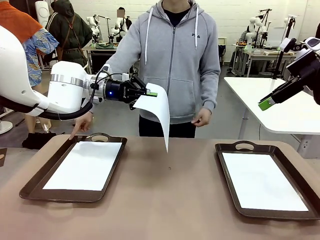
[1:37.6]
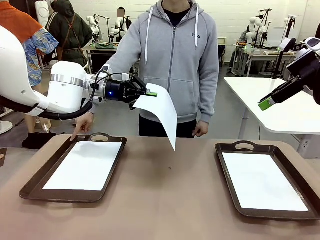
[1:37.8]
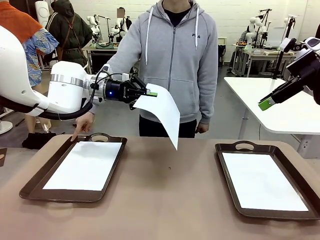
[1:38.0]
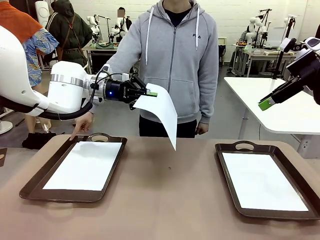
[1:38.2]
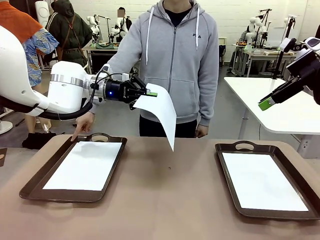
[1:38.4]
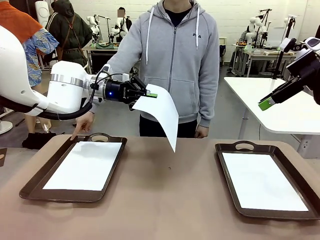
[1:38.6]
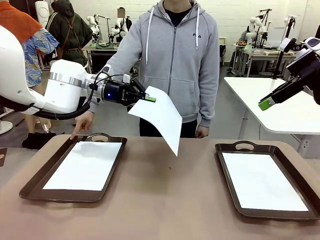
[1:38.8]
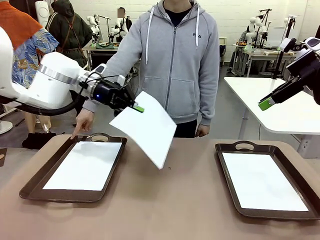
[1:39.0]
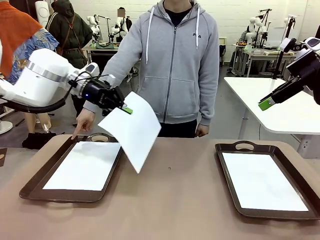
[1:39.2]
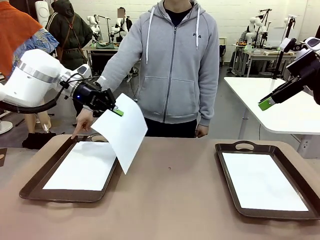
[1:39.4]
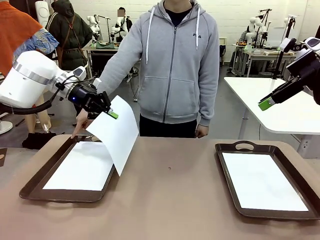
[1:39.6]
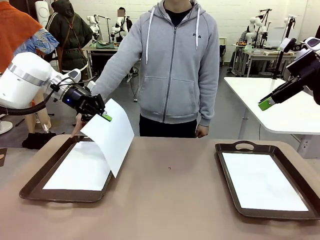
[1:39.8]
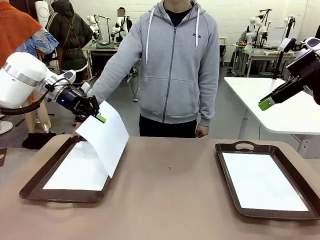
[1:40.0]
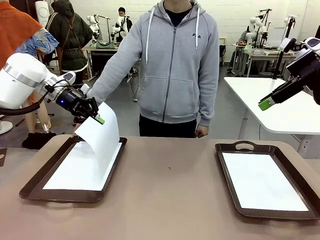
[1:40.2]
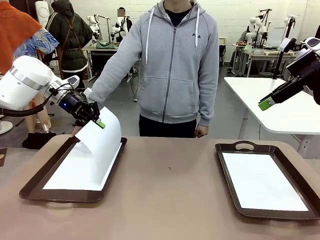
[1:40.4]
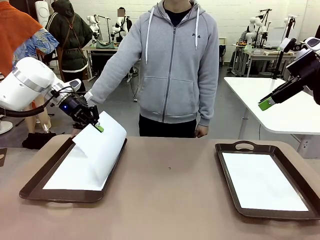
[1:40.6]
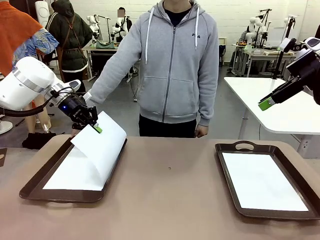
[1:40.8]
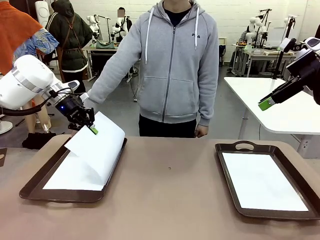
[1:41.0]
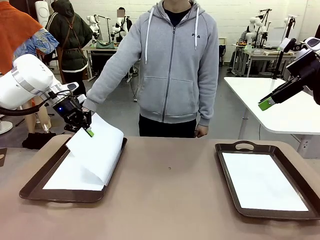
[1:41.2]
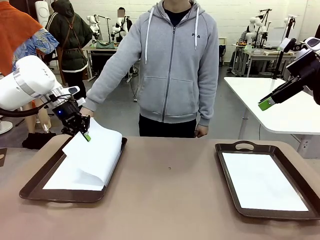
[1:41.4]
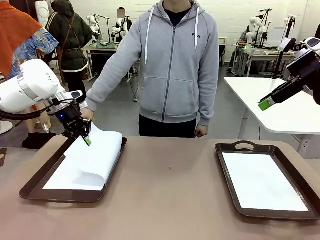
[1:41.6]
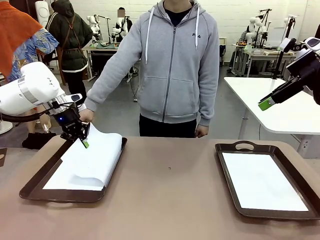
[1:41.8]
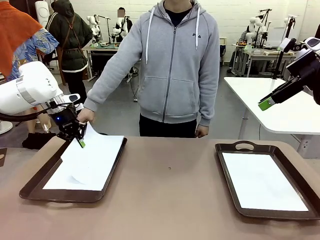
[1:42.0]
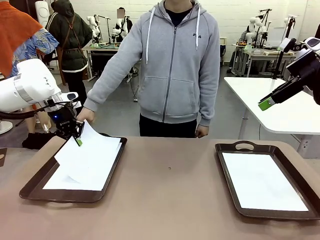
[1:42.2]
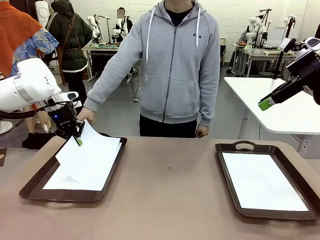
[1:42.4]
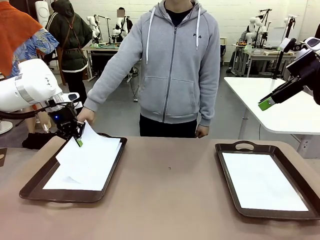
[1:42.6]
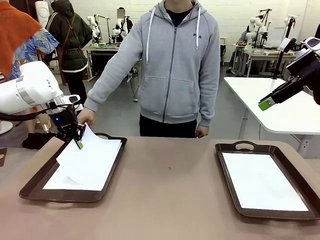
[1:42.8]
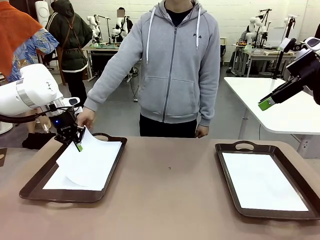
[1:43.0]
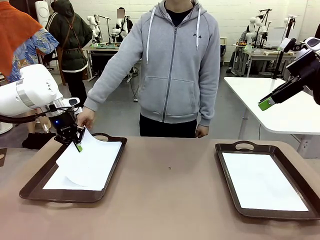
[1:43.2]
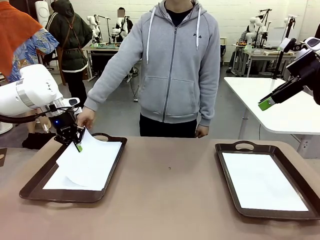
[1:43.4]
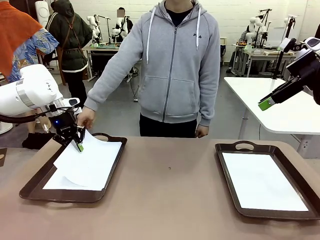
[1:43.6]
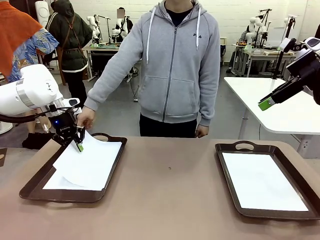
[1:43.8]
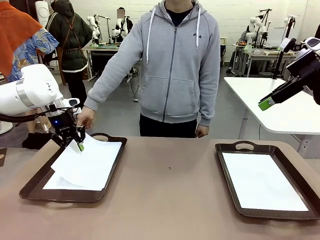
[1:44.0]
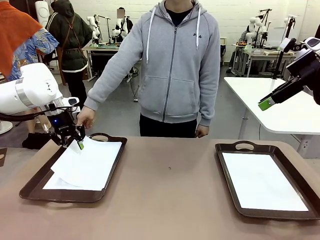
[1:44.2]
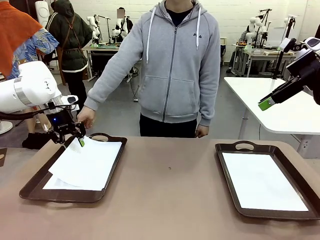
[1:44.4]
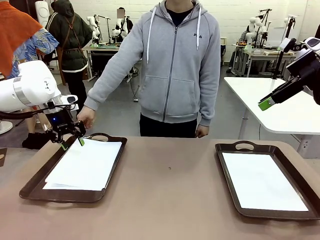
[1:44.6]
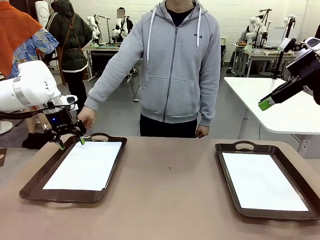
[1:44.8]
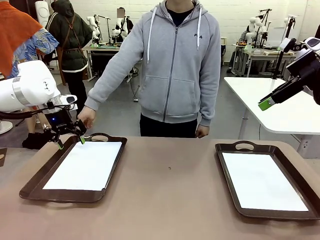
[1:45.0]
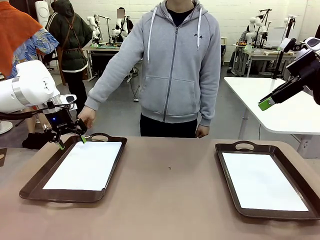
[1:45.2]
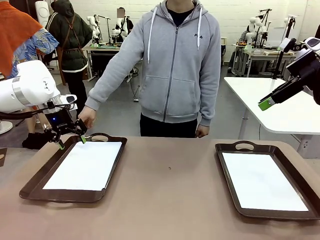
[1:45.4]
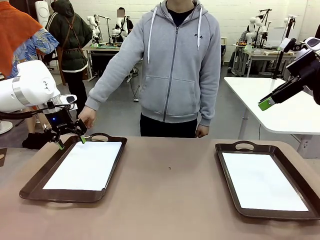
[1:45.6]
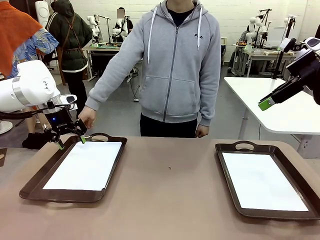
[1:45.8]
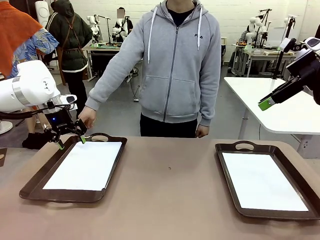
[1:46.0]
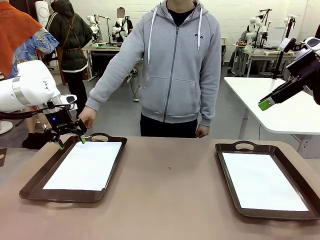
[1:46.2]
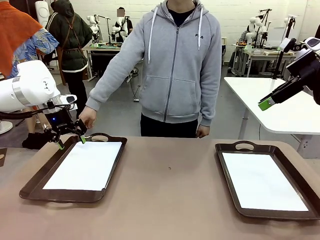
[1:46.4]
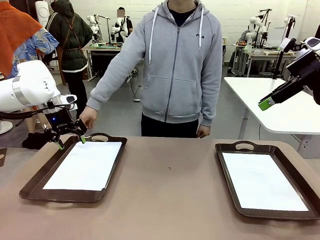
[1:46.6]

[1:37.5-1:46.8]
Task: Sort the A4 documents.
Robot: Place the A4 Paper in the designated Handle tray.

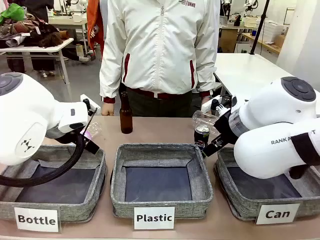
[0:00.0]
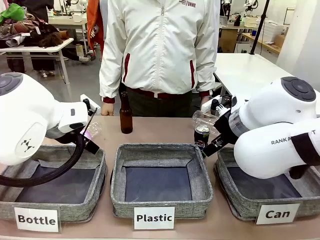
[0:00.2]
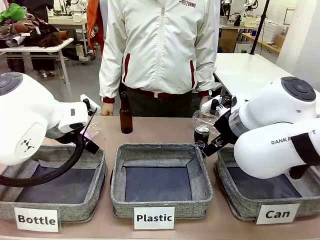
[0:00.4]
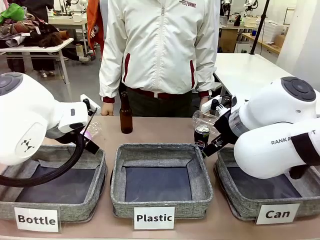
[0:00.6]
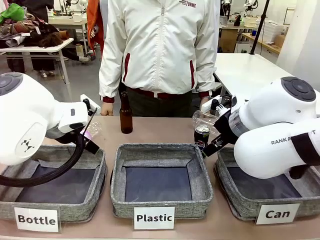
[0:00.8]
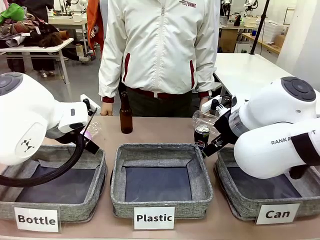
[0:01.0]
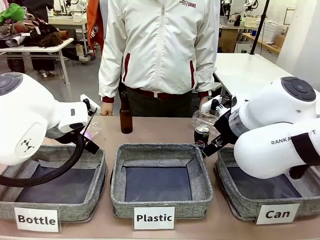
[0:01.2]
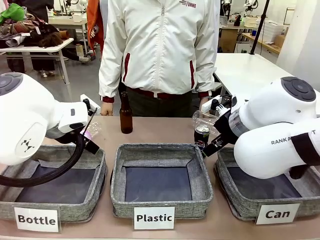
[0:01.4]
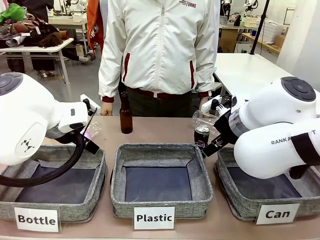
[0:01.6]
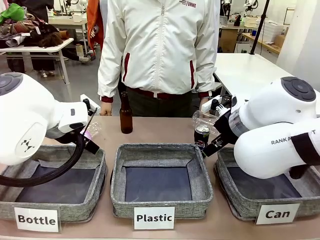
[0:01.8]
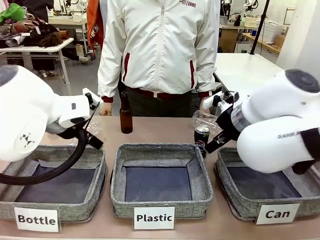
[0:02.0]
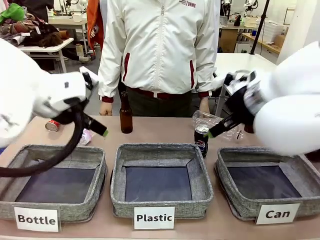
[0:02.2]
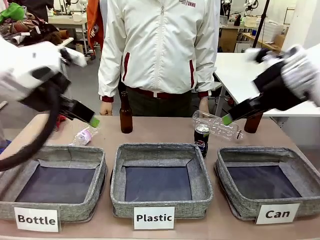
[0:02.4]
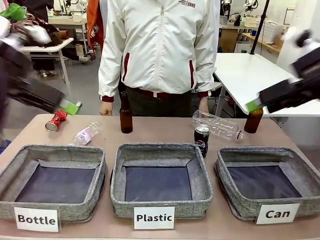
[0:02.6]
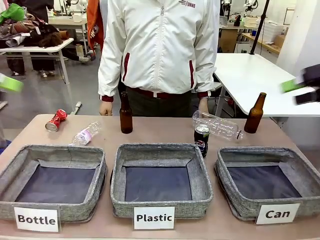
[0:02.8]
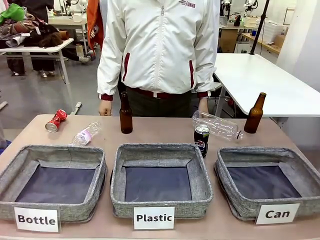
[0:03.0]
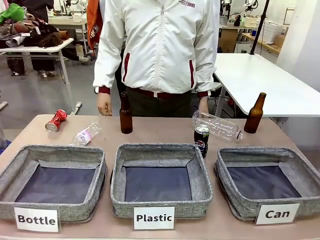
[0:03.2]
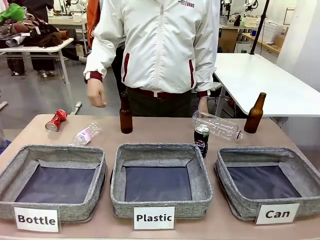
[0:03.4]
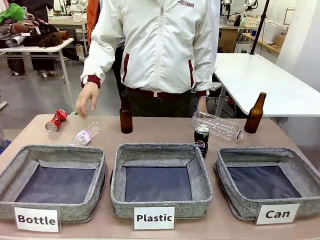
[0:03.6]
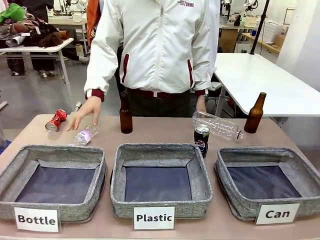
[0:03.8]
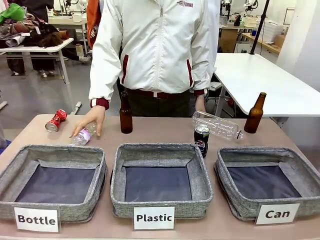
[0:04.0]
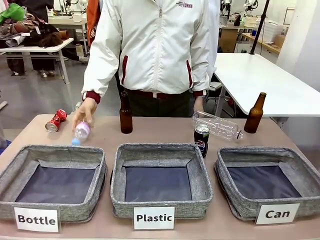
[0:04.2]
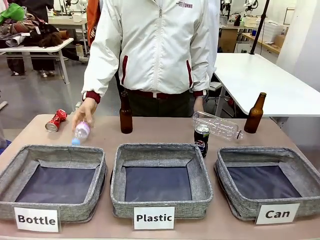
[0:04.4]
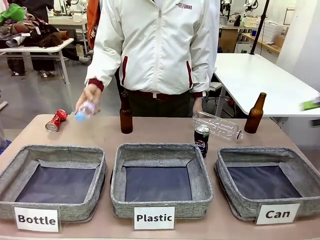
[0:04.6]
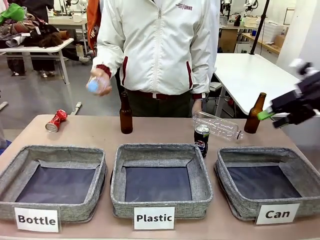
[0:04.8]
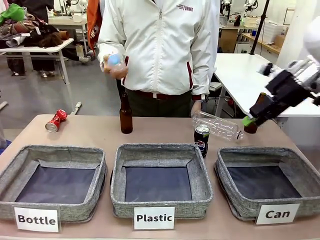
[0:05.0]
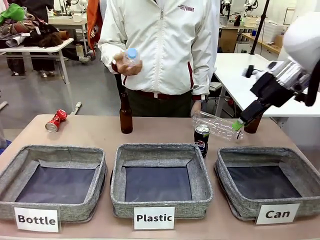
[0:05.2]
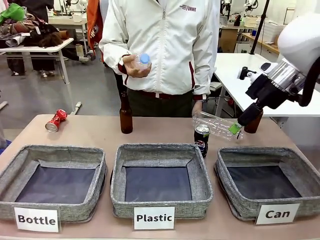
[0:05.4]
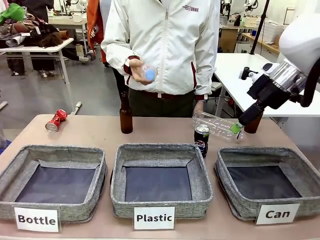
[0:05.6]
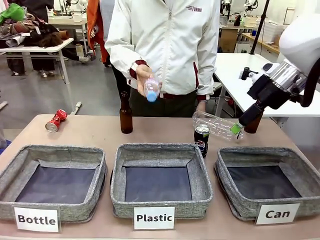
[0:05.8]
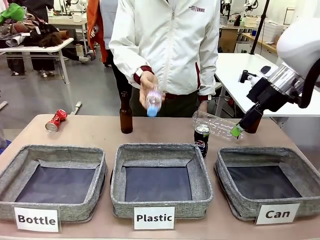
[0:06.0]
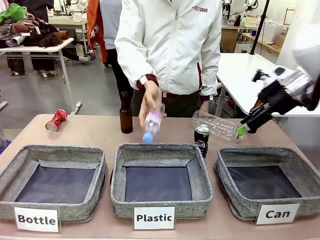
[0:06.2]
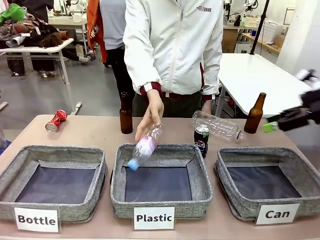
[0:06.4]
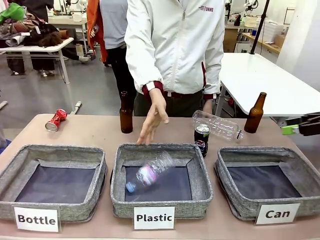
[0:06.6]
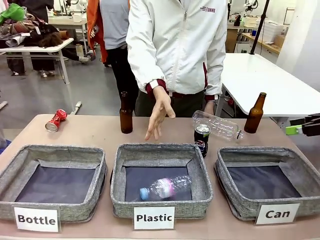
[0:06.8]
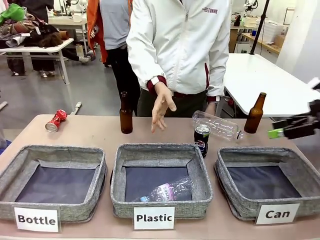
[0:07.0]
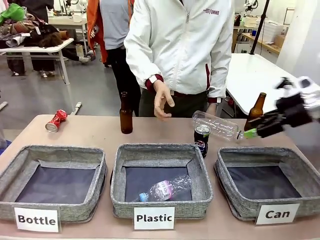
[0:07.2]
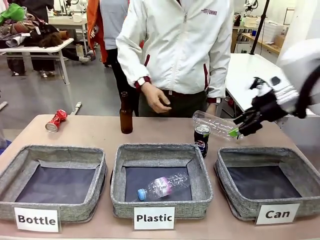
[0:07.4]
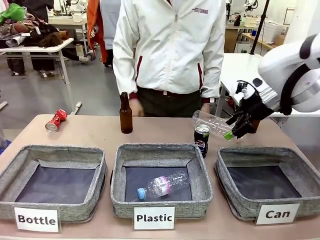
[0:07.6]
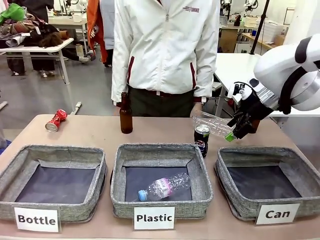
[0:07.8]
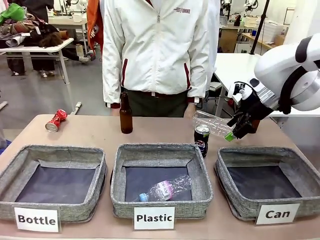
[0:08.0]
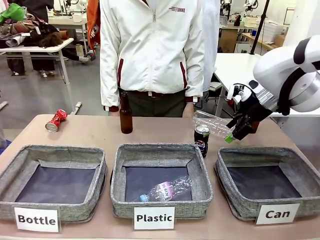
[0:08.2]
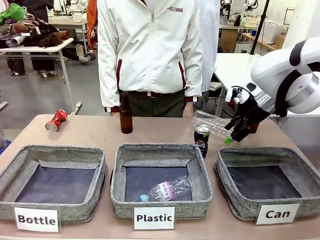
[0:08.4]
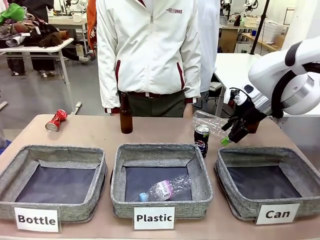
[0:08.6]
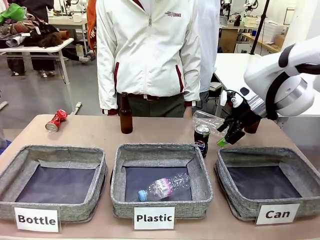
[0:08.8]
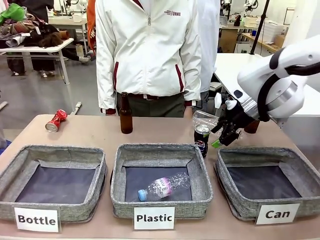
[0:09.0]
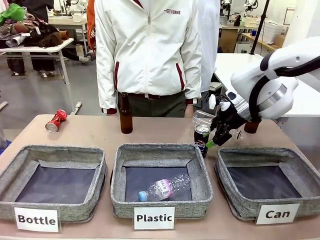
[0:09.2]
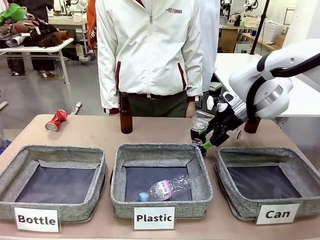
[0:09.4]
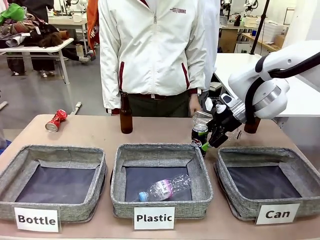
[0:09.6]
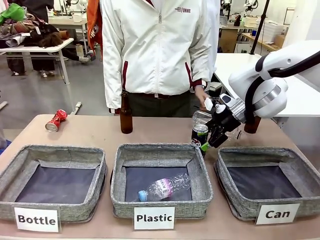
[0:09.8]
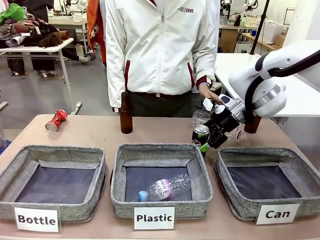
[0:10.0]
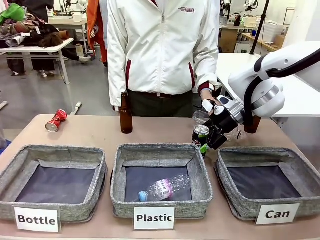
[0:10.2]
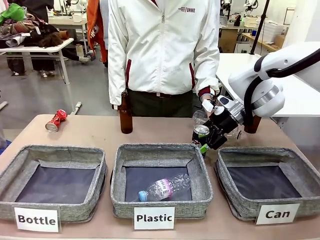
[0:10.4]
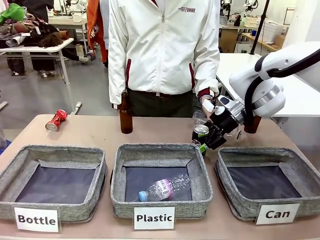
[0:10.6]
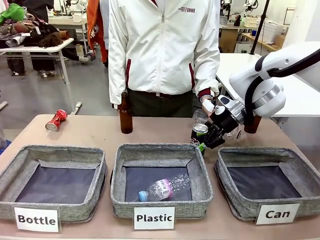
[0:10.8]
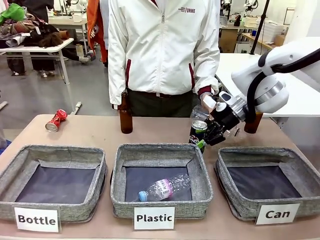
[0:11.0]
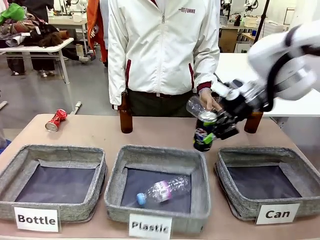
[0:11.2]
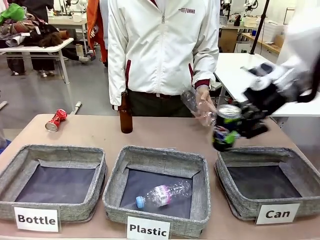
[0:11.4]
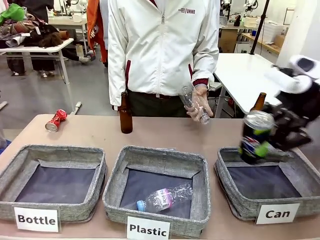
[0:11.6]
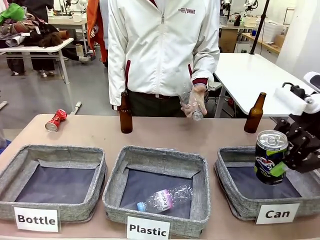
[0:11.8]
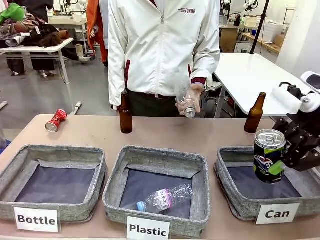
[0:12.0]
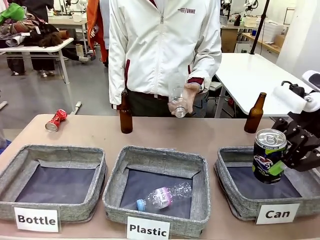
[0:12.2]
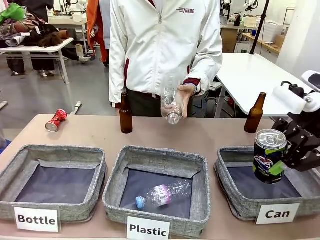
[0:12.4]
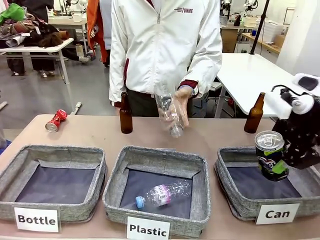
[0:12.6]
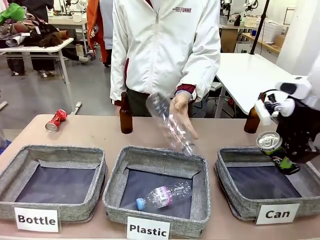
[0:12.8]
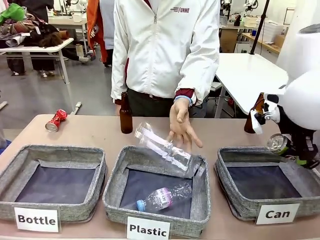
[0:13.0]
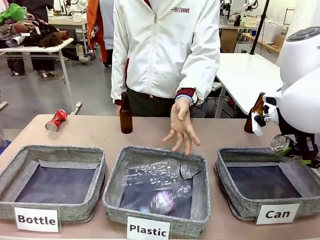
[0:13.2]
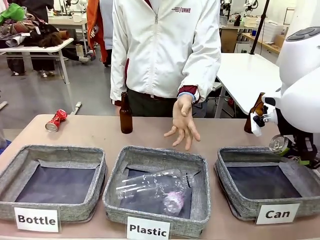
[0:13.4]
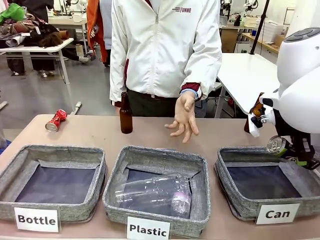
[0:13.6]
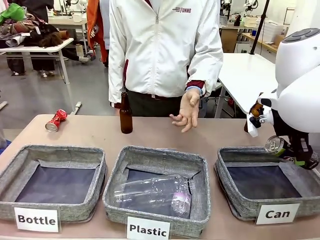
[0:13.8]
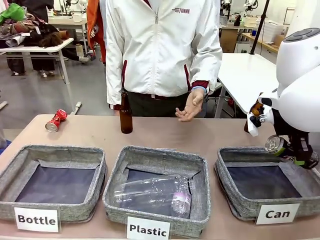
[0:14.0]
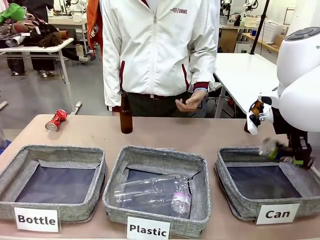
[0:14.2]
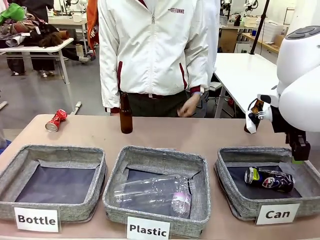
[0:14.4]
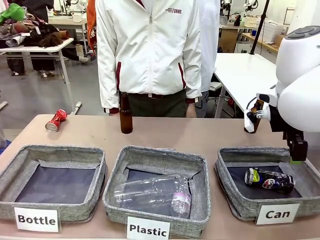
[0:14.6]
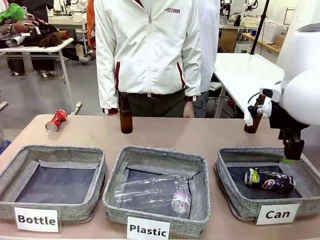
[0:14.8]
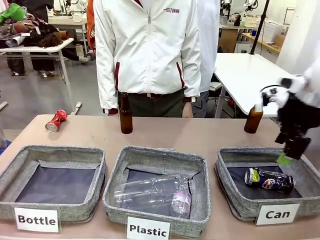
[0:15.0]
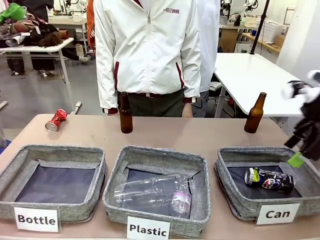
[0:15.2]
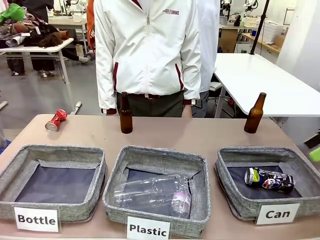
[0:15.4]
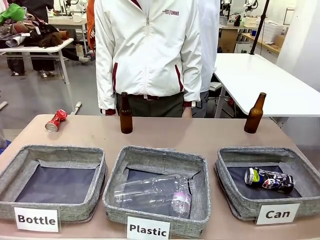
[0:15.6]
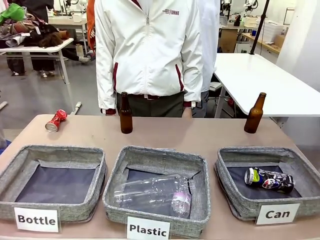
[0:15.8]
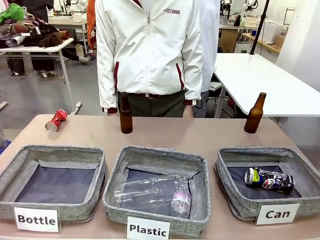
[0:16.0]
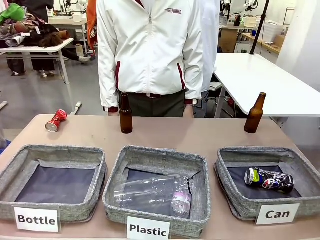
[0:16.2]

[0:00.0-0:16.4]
Task: Sort the can waste into the basket.
Robot: Pick up the can waste from the table and place it in the right Fabric basket.
